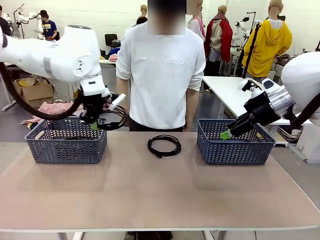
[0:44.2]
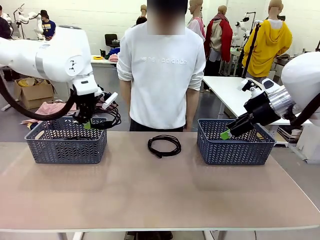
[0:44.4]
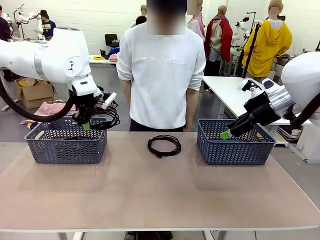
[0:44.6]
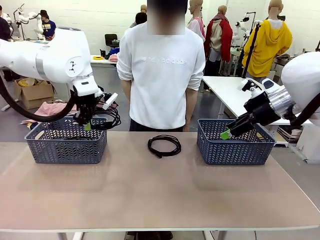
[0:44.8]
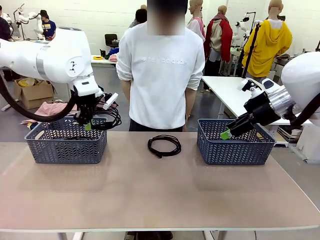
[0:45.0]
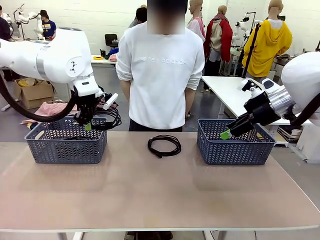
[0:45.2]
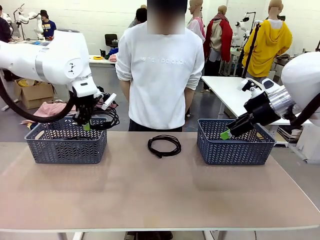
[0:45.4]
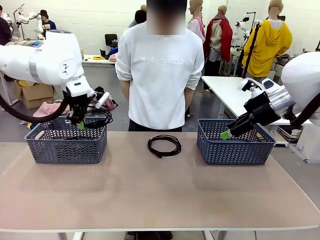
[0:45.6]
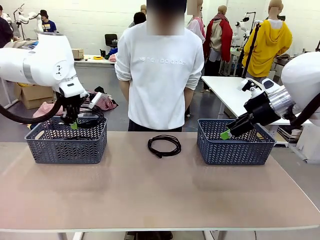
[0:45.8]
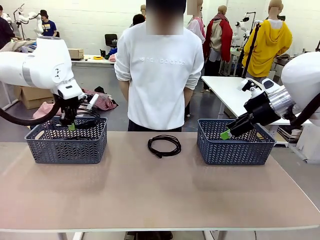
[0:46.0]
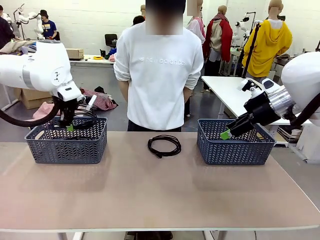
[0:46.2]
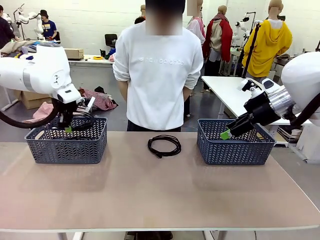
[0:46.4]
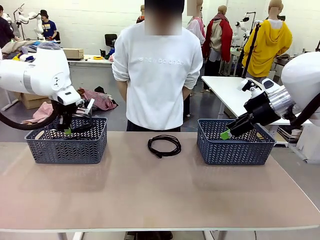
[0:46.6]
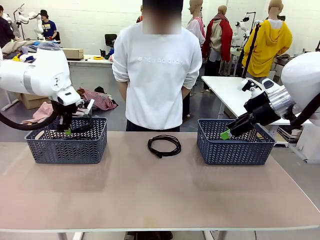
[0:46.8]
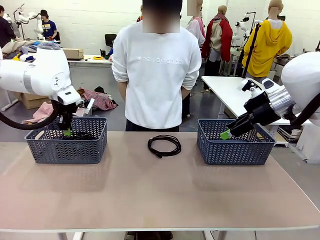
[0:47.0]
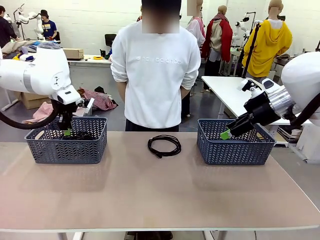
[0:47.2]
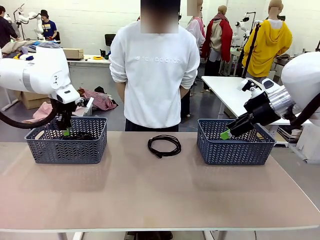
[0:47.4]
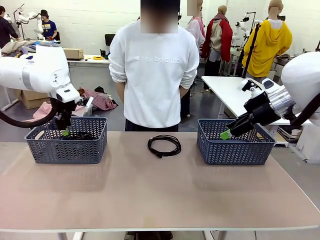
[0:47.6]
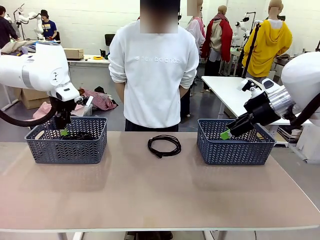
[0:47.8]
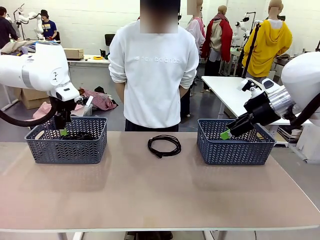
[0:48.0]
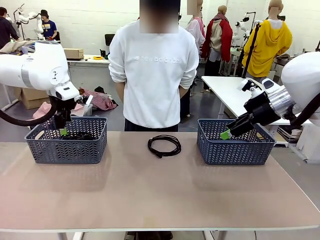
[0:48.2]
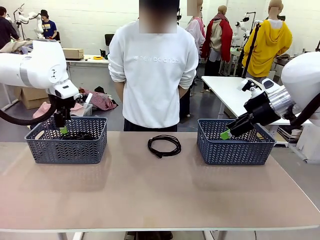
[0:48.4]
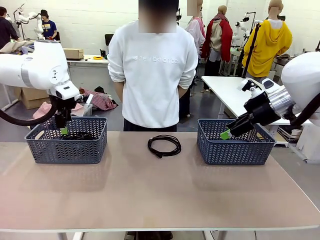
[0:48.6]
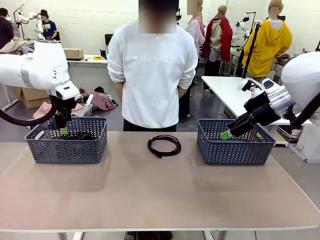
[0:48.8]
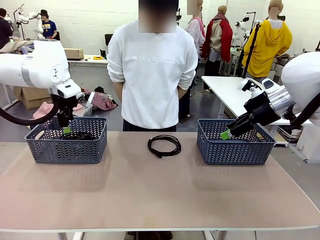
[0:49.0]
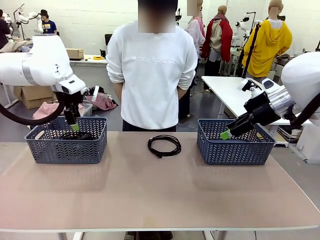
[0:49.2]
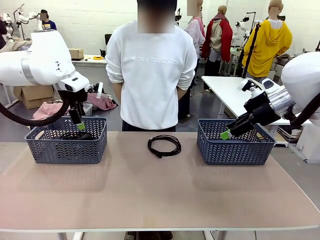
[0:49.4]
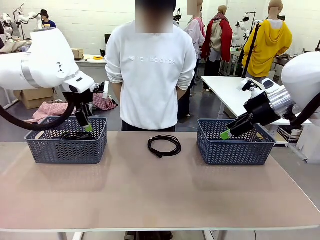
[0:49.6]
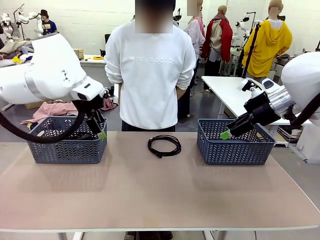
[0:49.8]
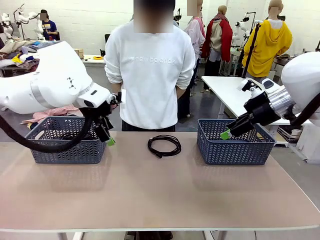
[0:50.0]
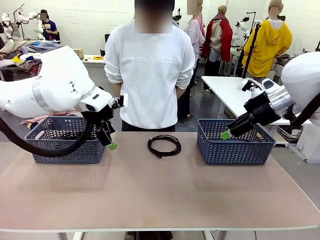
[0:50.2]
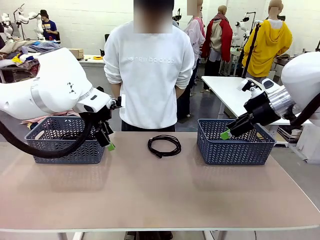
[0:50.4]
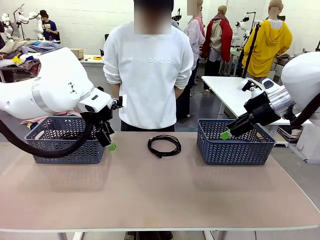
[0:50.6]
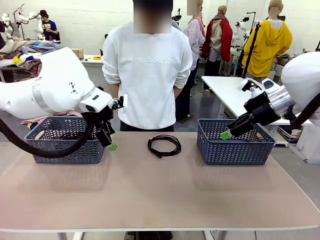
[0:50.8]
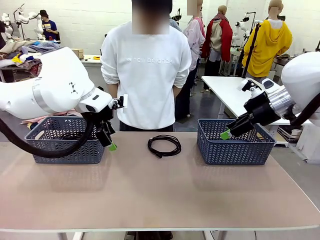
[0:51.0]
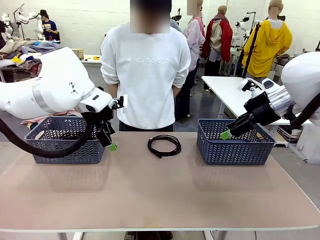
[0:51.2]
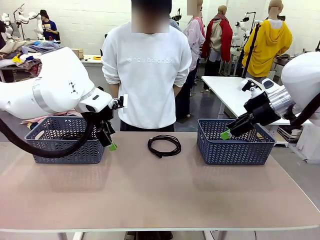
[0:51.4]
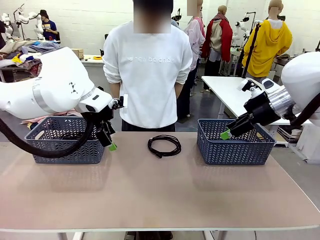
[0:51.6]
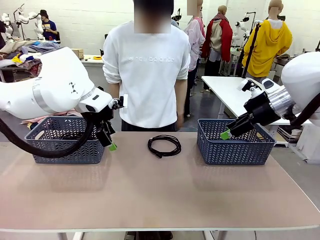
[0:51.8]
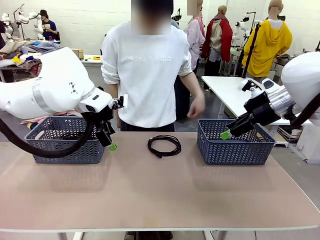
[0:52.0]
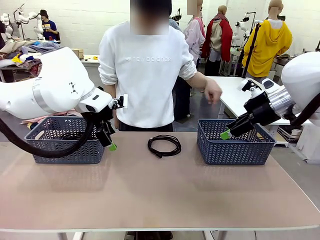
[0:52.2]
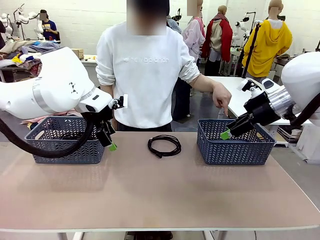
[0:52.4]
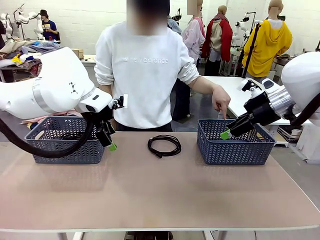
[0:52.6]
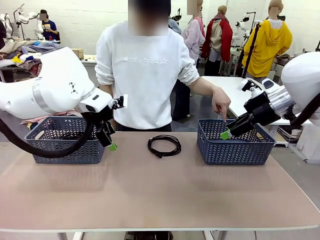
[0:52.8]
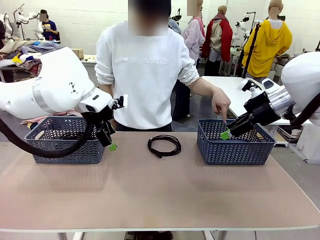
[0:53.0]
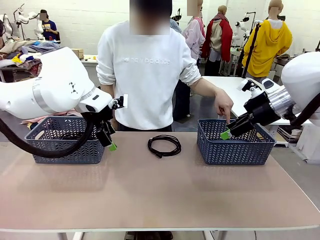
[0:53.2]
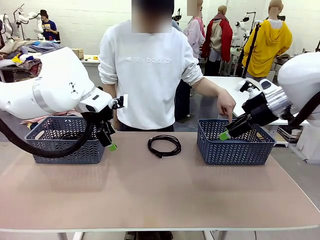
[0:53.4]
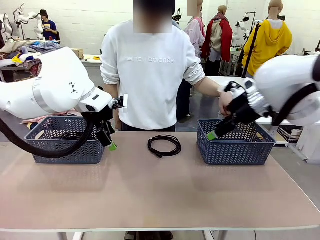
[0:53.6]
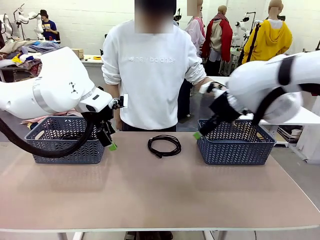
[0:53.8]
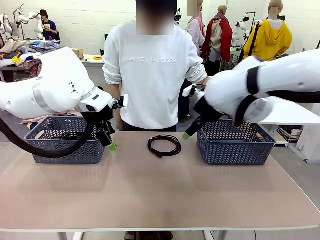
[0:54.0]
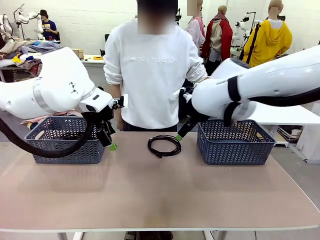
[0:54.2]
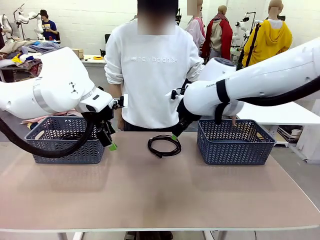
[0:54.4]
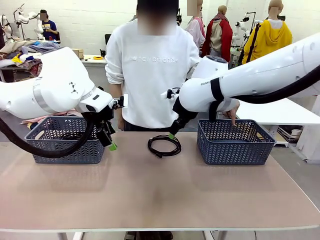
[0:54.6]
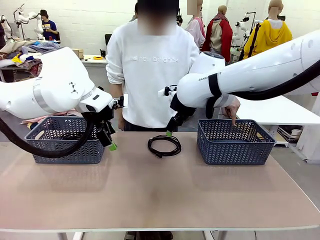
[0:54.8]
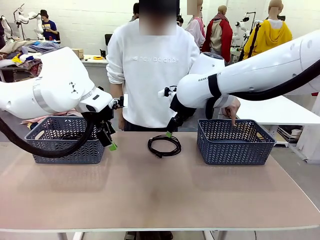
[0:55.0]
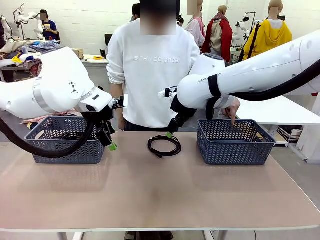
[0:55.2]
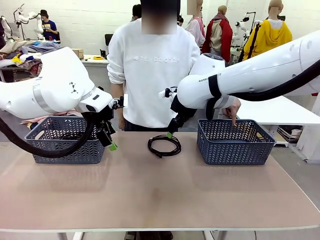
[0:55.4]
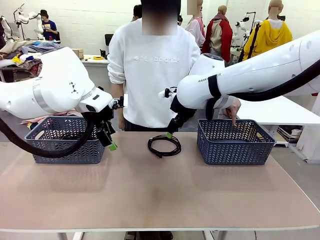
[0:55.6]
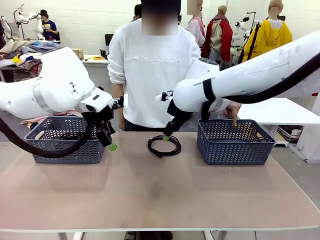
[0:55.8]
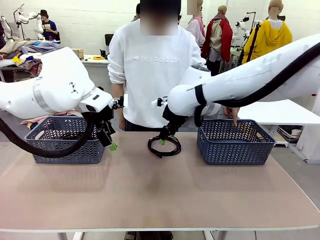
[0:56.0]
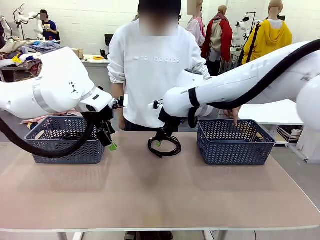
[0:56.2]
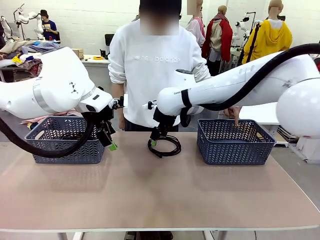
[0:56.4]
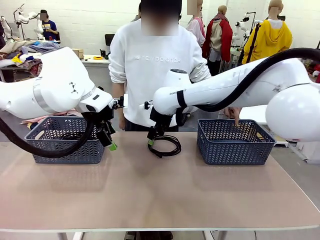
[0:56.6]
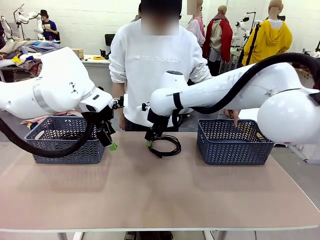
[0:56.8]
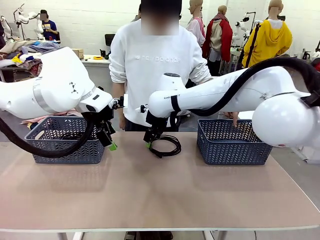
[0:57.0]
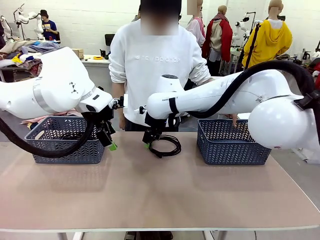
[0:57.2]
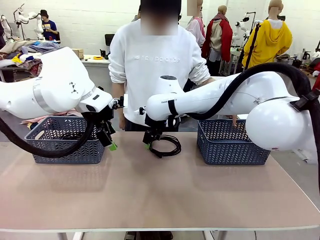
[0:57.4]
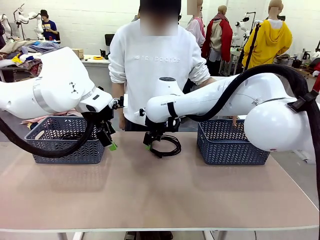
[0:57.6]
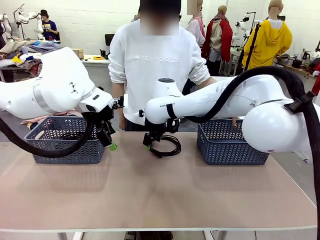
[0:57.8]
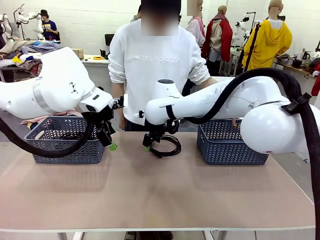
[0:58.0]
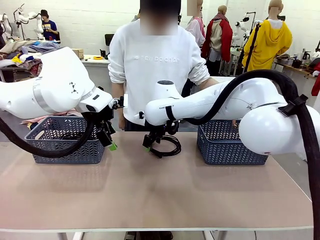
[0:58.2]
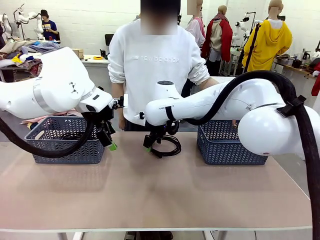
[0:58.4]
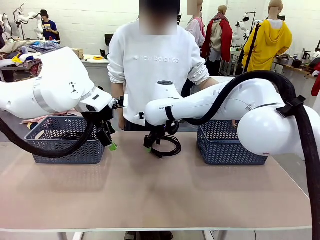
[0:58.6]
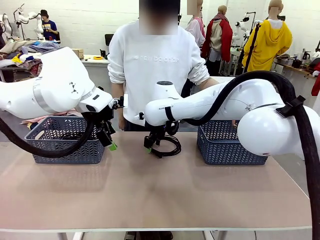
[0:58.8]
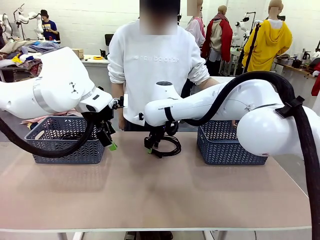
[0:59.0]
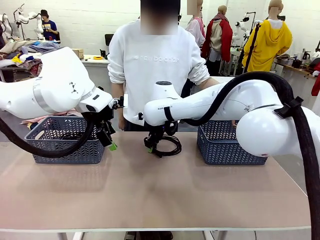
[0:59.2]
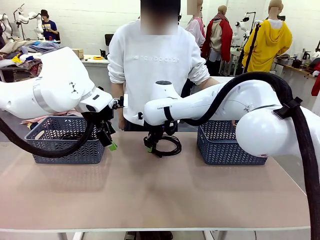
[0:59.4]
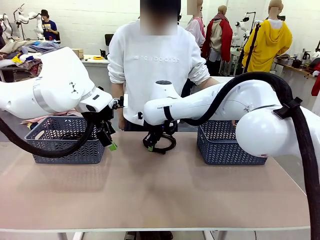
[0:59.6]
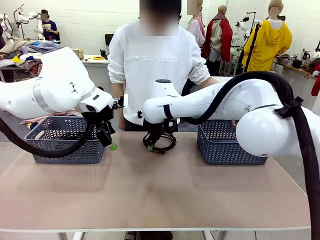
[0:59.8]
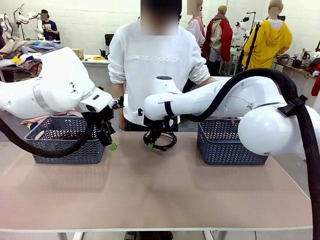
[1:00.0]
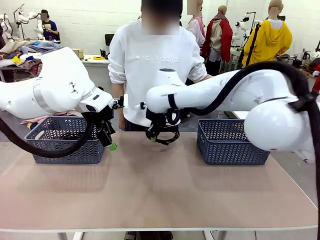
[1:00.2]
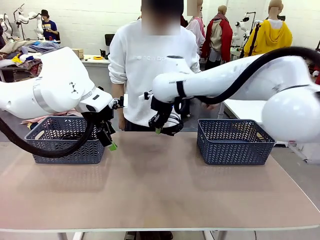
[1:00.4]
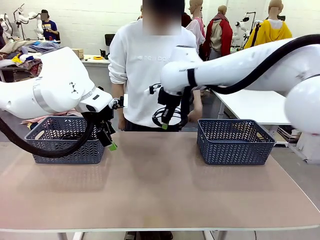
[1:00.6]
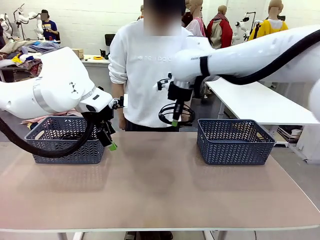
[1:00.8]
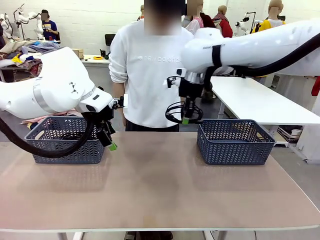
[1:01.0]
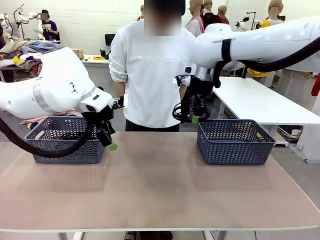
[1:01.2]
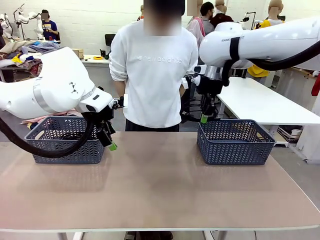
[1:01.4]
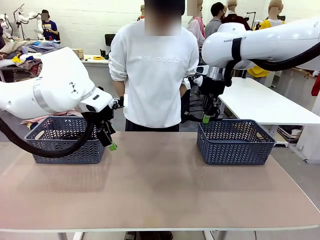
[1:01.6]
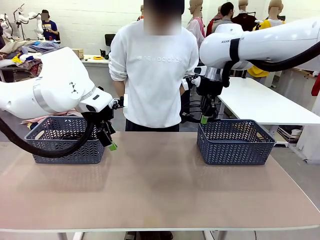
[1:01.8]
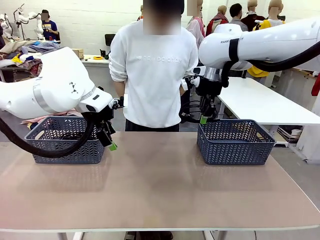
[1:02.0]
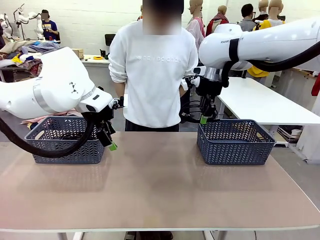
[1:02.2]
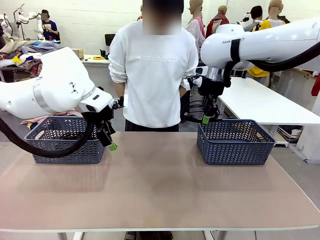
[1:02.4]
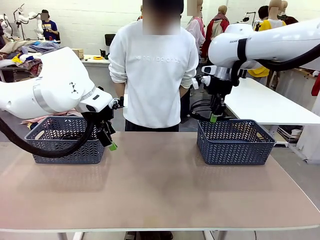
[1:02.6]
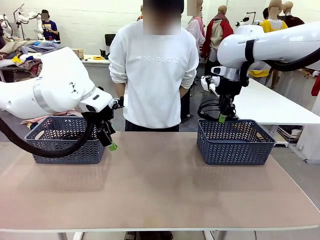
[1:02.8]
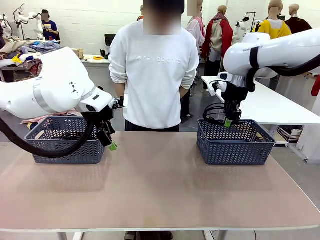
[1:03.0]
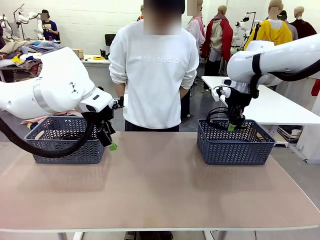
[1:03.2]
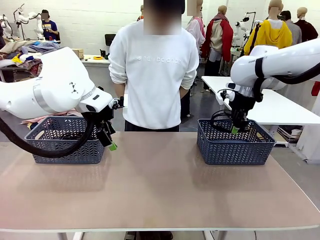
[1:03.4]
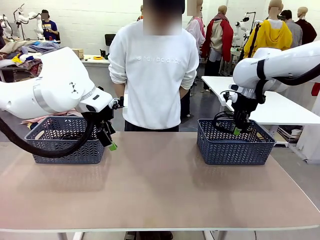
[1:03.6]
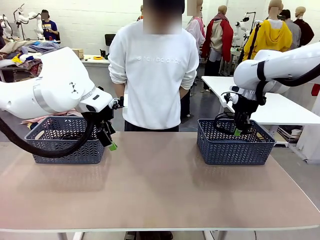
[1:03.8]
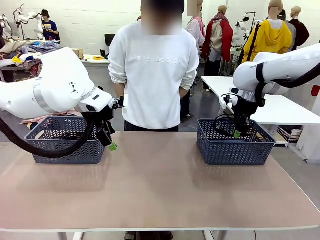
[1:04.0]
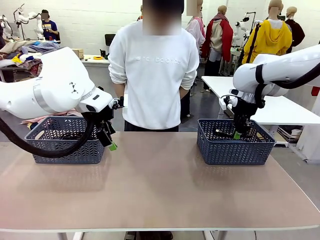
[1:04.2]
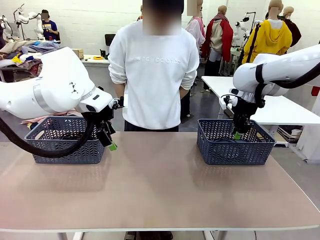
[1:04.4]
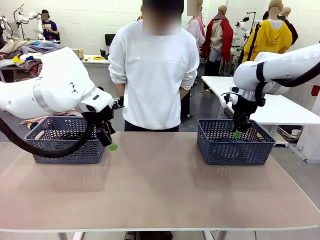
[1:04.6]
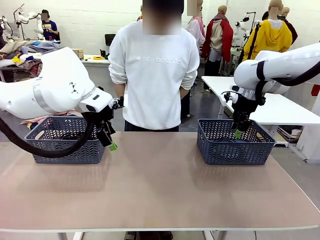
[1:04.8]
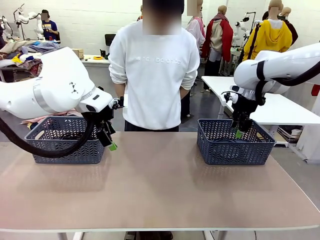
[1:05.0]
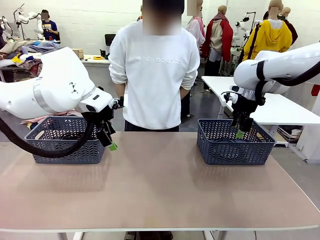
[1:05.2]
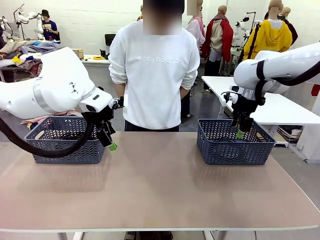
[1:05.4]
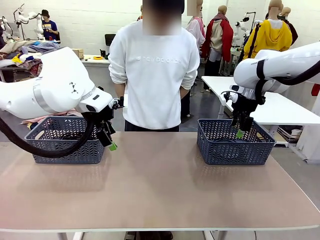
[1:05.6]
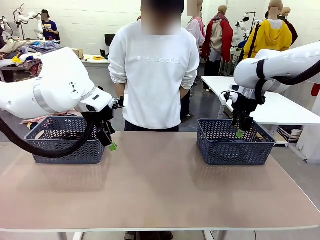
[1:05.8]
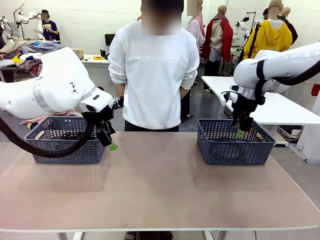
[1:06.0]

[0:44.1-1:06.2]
Task: Organize the cables according to human instructions.
Robot: Pick up a bundle of cables and place it in the basket indicated by the human.
